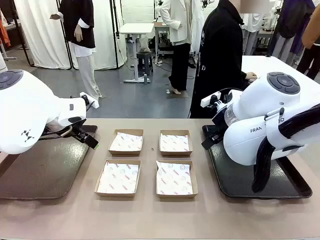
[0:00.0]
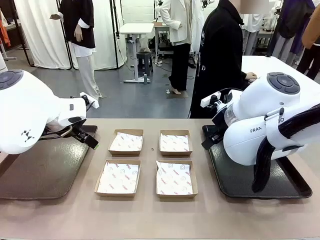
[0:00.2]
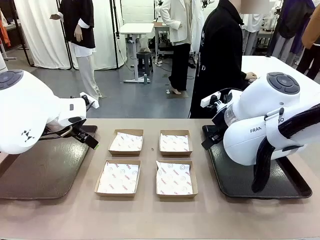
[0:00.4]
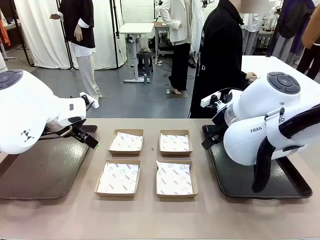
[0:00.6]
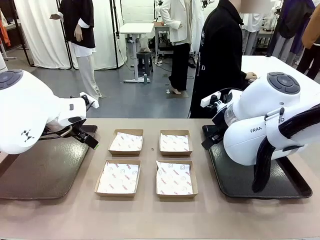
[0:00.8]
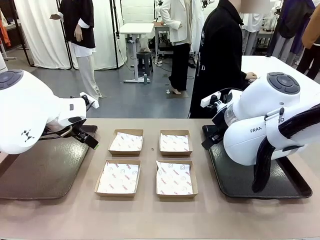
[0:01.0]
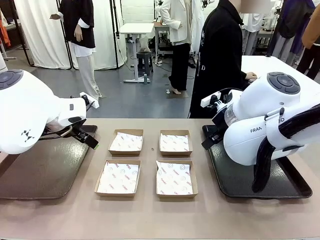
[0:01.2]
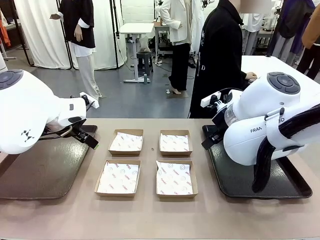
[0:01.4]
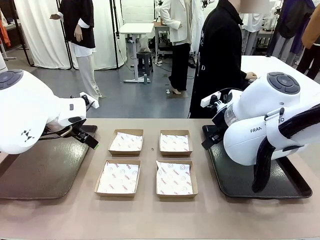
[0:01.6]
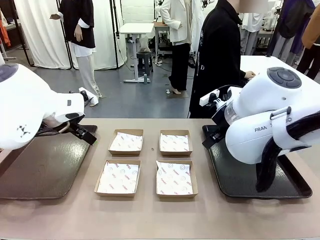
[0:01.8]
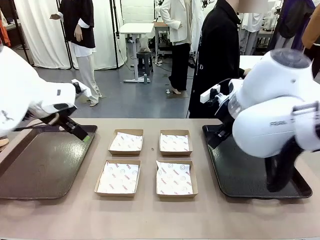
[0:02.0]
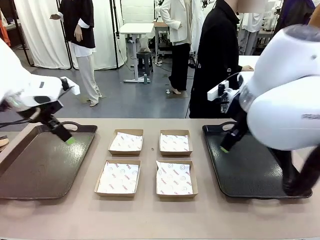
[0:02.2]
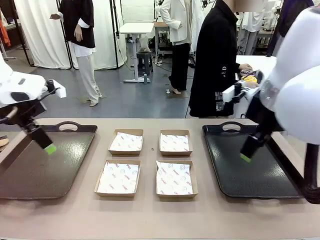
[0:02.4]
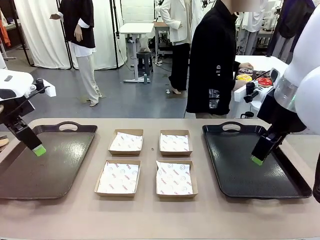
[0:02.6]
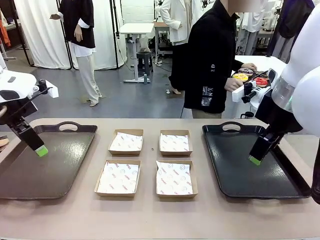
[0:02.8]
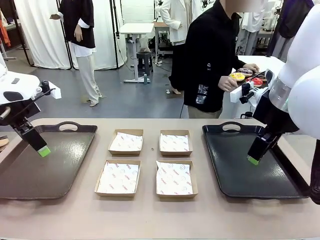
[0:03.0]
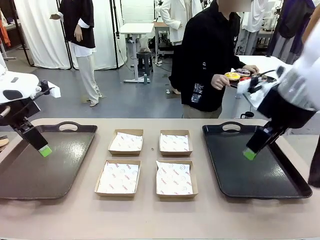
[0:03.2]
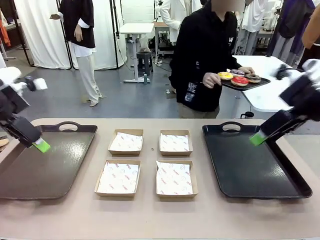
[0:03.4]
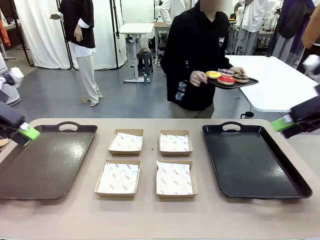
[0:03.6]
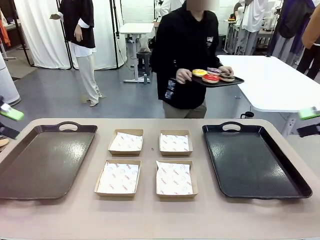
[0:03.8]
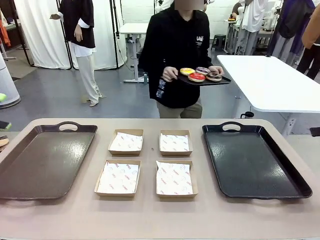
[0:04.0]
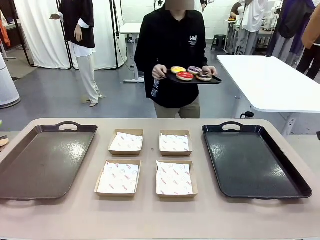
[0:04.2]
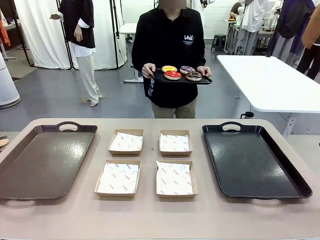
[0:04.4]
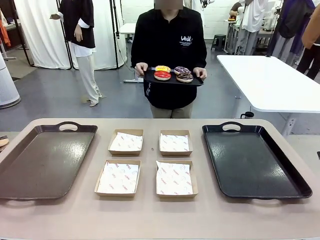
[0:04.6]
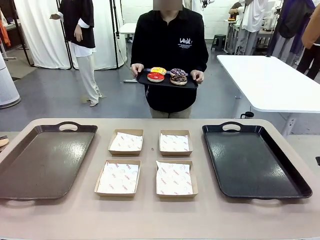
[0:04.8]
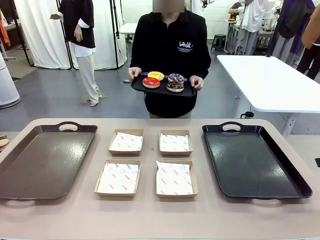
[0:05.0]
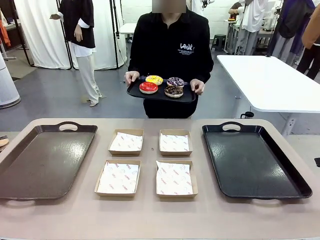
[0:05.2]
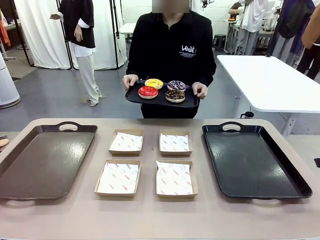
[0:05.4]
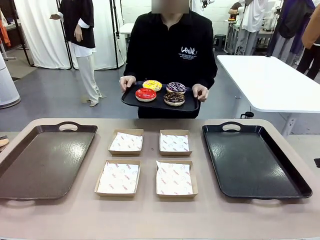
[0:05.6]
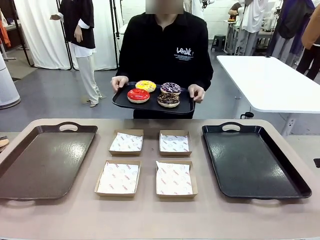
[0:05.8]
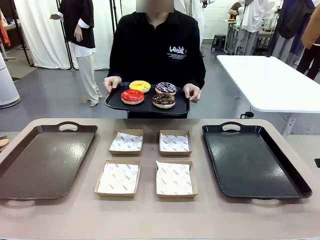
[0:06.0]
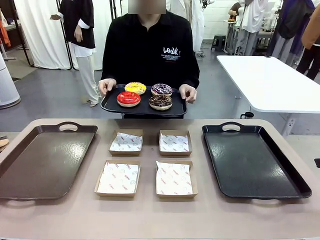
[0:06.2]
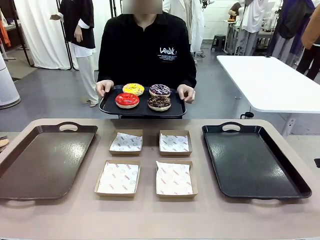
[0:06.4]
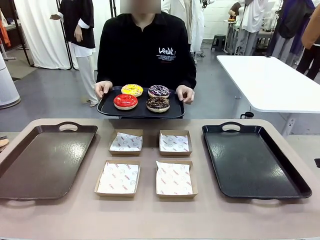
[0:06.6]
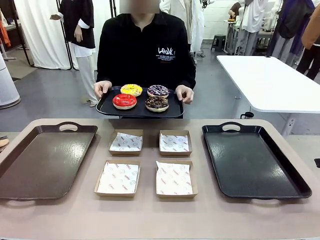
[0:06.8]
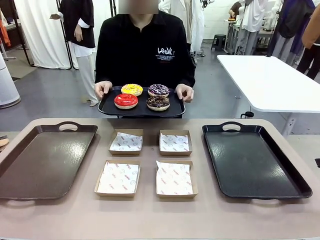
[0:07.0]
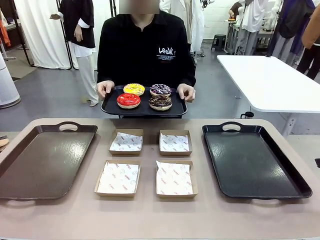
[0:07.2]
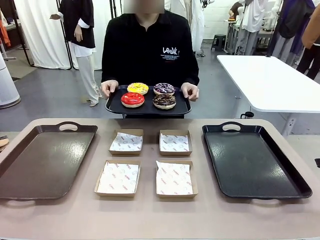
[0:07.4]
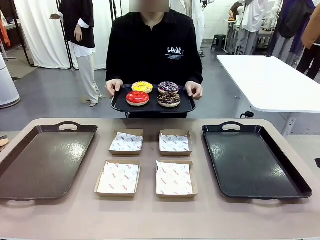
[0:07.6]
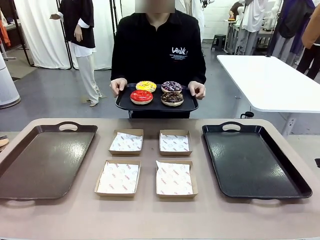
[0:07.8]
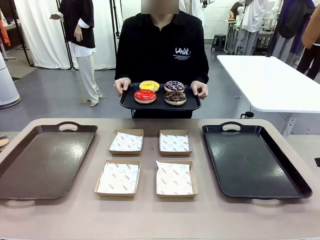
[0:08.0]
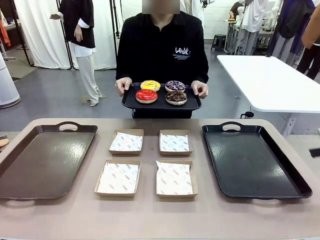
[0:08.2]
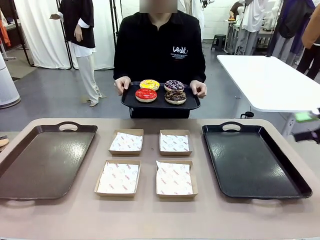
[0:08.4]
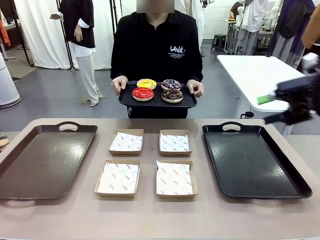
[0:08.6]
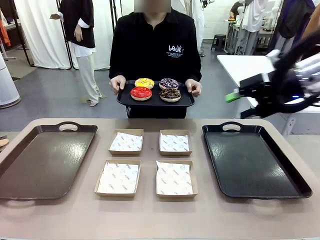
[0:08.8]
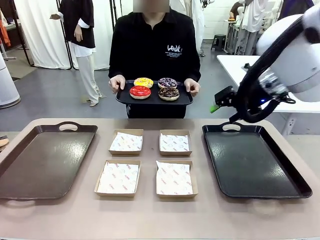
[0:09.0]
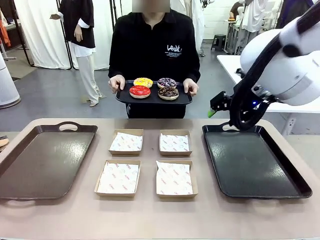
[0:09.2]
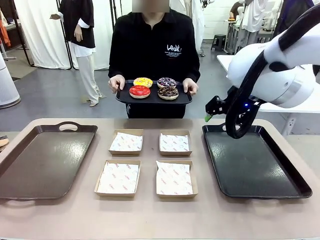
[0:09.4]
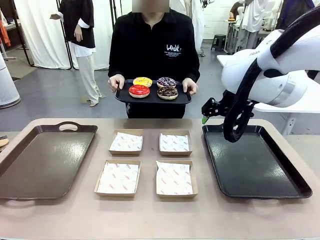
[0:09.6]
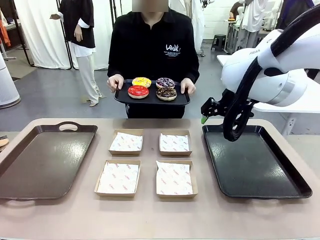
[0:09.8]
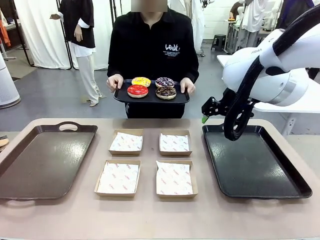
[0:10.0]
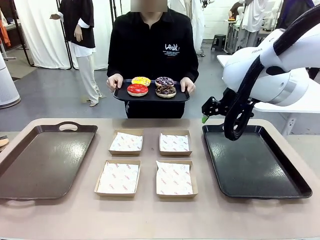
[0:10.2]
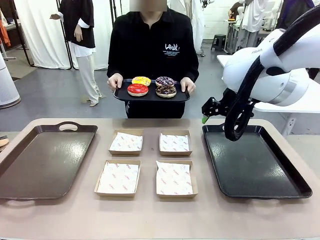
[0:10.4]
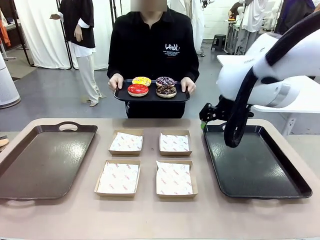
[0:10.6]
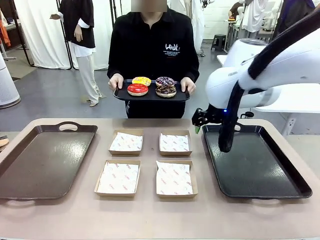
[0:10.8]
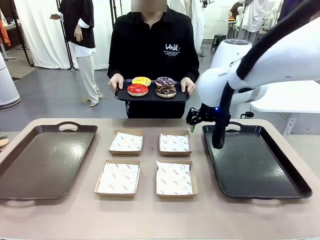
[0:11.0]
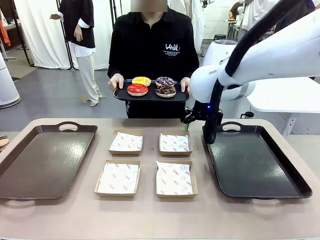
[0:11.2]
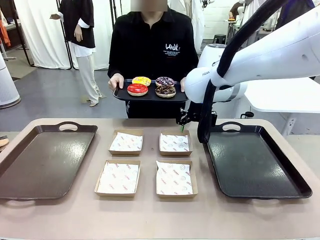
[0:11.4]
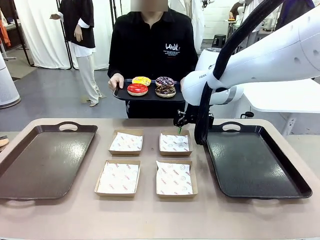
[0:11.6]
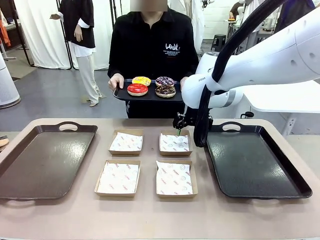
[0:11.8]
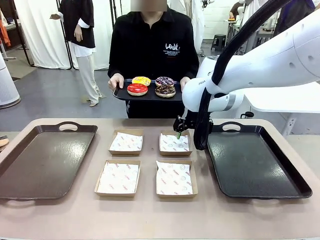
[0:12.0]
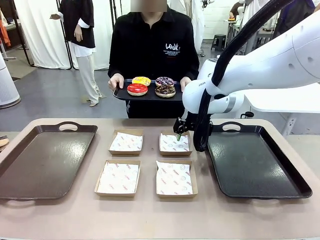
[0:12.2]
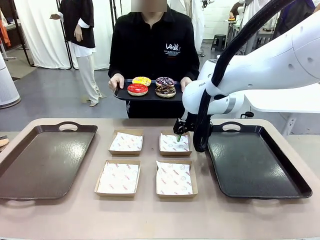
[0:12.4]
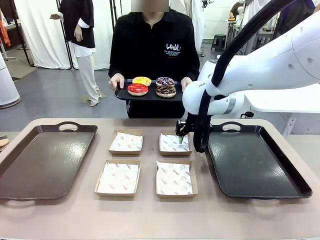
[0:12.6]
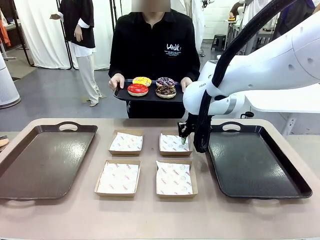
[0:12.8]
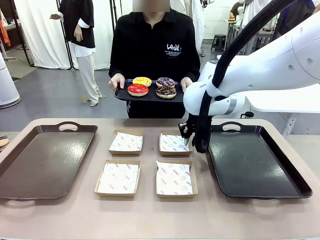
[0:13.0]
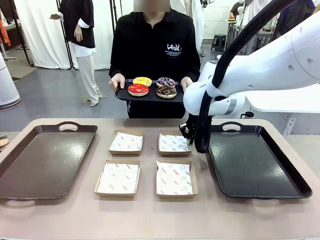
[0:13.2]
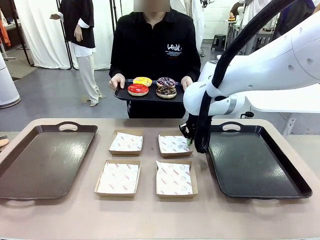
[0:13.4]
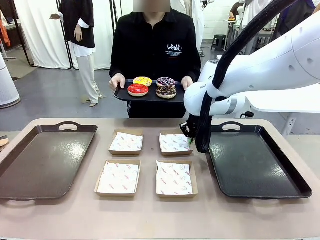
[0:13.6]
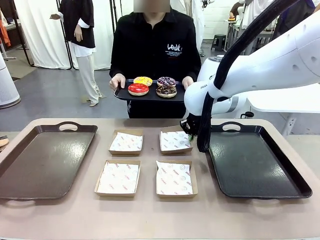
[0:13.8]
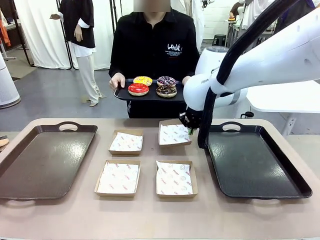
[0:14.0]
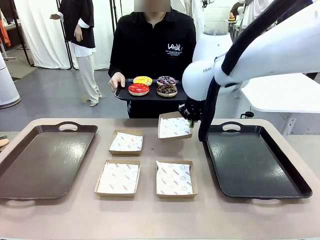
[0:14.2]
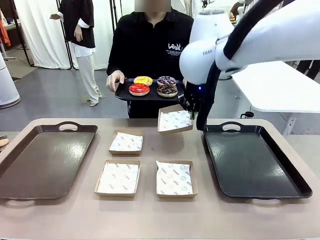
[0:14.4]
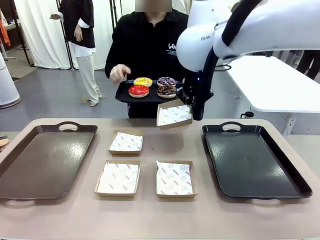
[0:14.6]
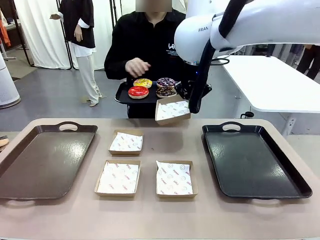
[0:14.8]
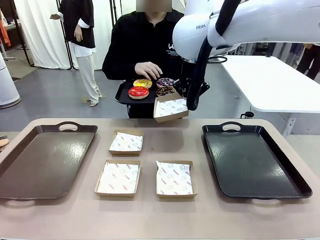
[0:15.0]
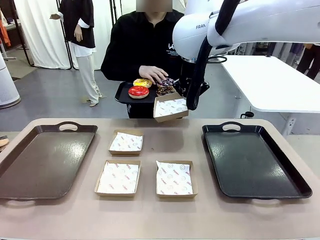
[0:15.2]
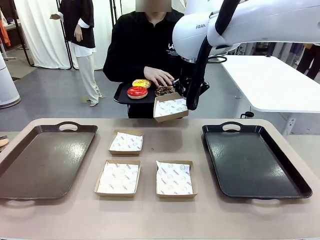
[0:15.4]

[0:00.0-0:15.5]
Task: Individually package the donuts and arrange them on the tray.
Robot: Pick up one Paper togo box.
Person: Stand in front of the robot table holding the tray containing the donuts.
